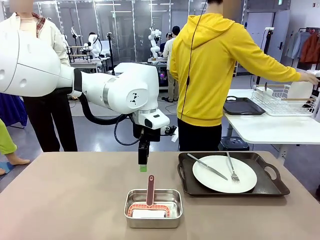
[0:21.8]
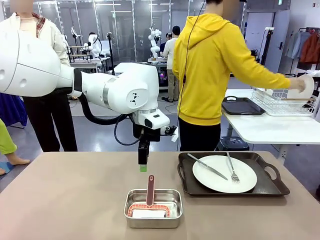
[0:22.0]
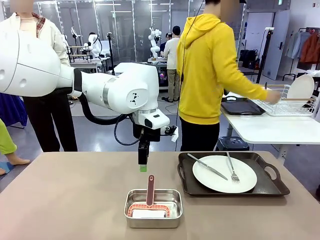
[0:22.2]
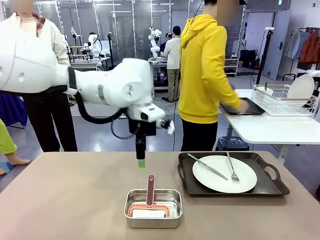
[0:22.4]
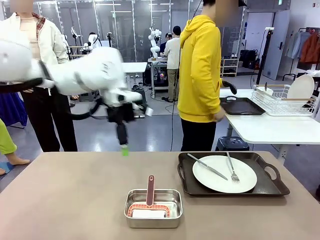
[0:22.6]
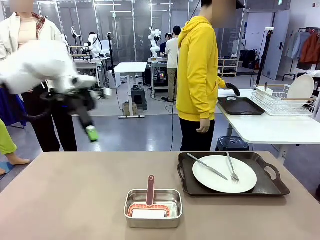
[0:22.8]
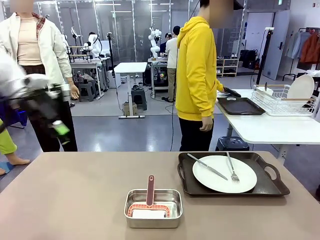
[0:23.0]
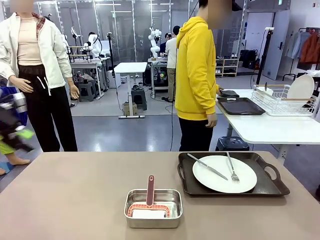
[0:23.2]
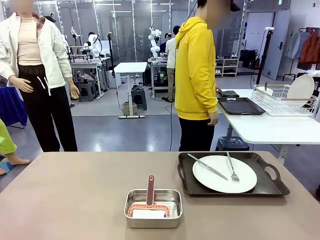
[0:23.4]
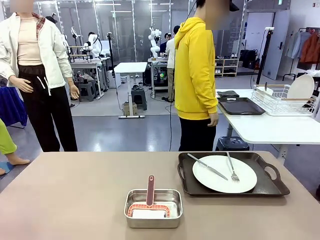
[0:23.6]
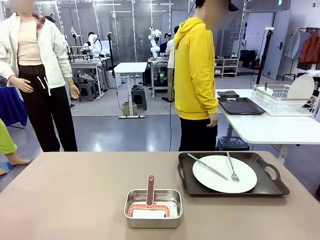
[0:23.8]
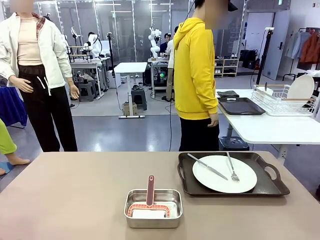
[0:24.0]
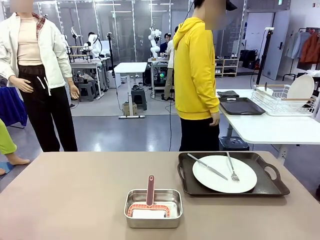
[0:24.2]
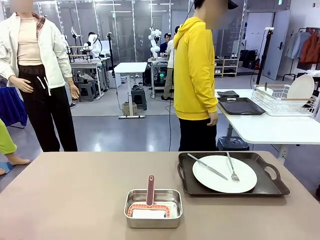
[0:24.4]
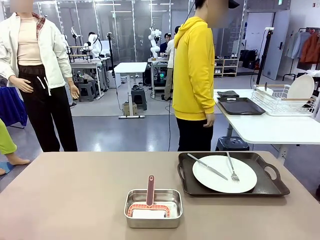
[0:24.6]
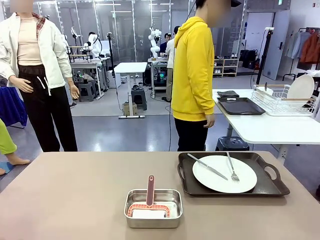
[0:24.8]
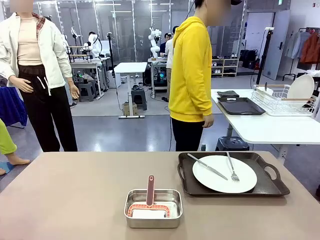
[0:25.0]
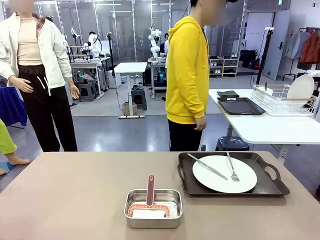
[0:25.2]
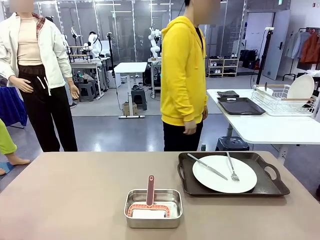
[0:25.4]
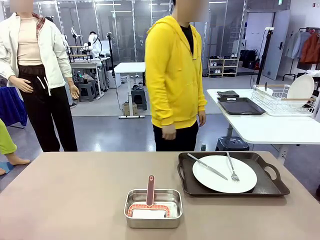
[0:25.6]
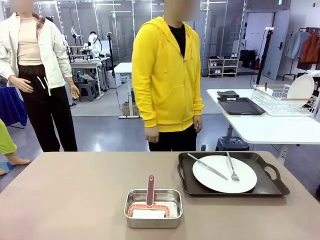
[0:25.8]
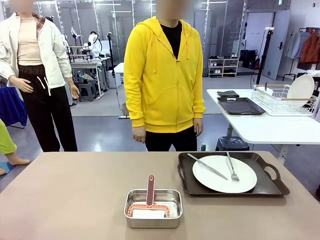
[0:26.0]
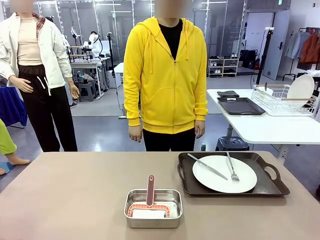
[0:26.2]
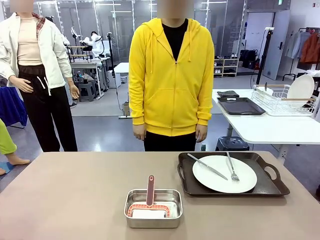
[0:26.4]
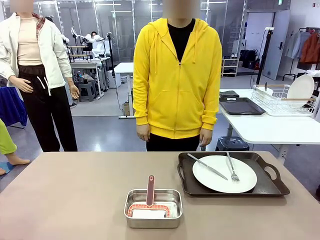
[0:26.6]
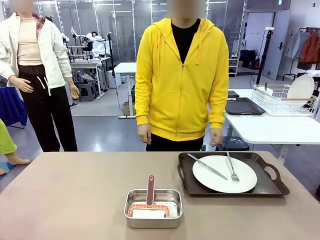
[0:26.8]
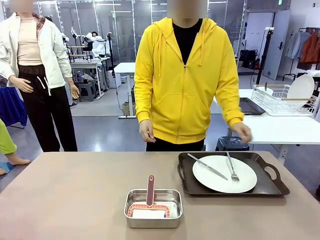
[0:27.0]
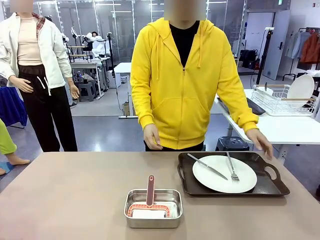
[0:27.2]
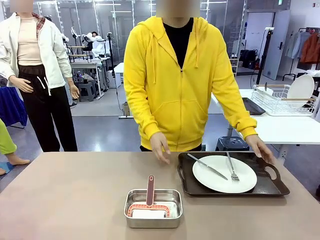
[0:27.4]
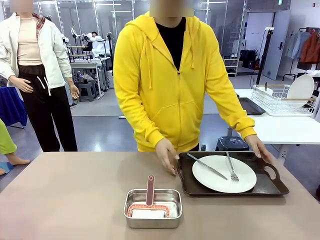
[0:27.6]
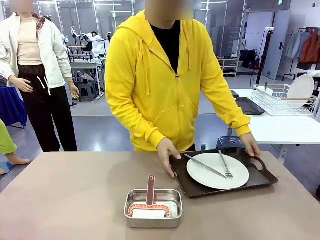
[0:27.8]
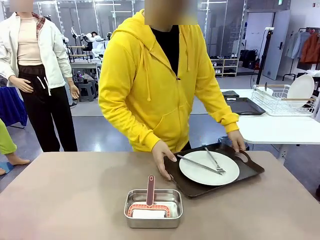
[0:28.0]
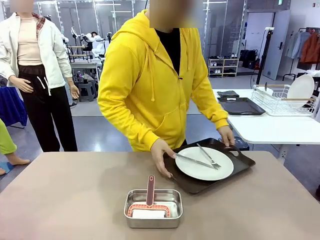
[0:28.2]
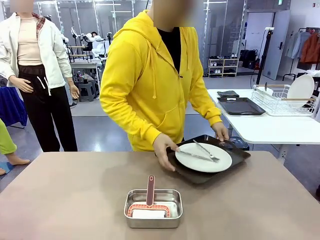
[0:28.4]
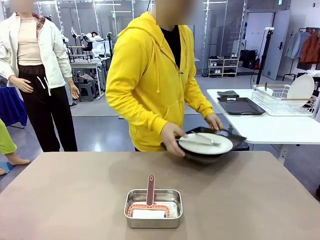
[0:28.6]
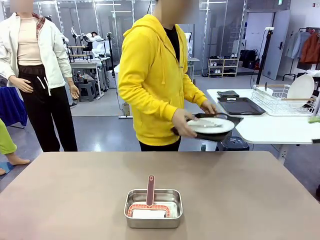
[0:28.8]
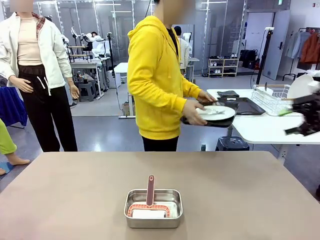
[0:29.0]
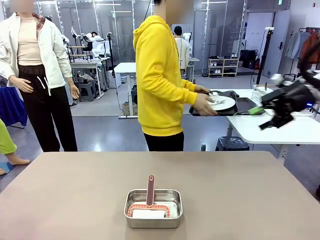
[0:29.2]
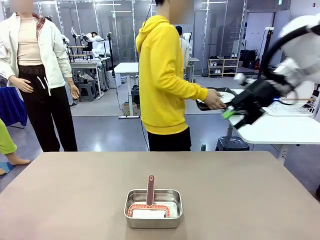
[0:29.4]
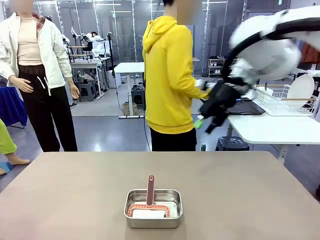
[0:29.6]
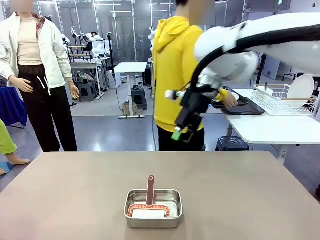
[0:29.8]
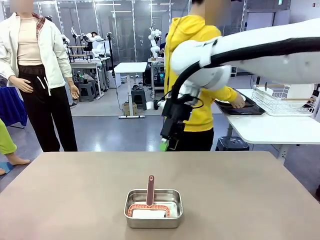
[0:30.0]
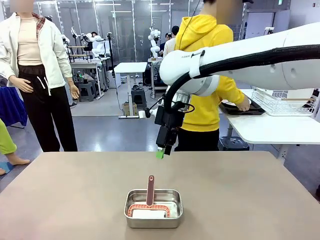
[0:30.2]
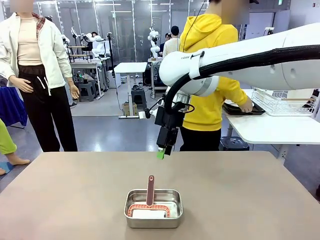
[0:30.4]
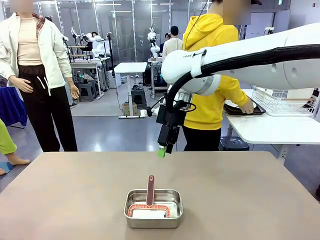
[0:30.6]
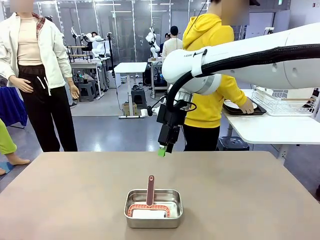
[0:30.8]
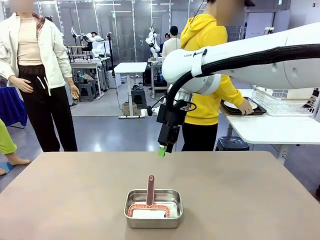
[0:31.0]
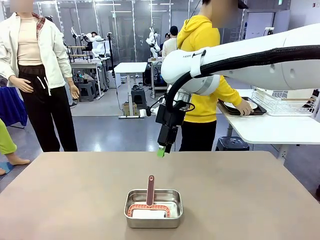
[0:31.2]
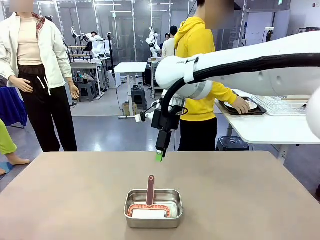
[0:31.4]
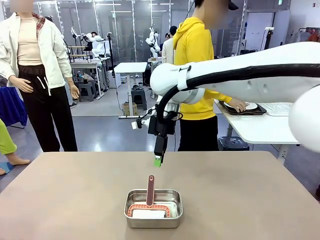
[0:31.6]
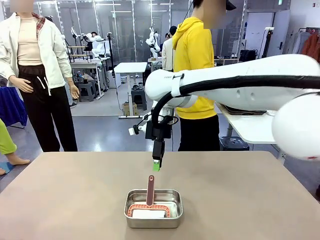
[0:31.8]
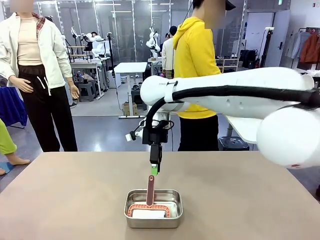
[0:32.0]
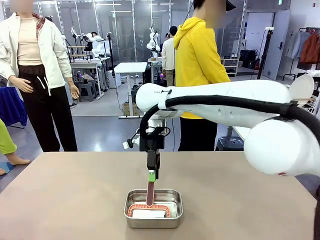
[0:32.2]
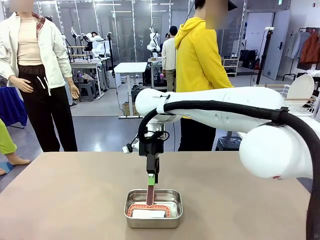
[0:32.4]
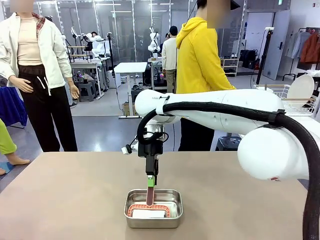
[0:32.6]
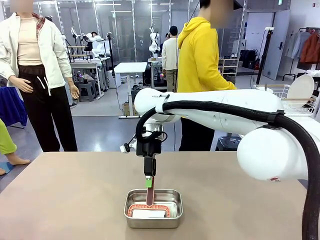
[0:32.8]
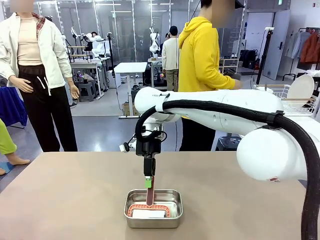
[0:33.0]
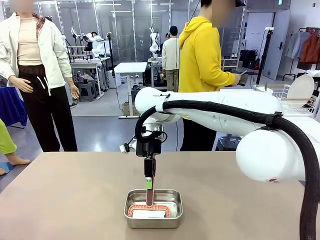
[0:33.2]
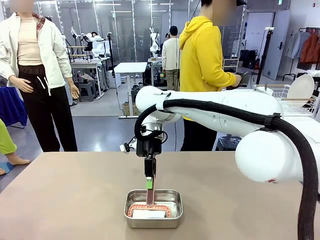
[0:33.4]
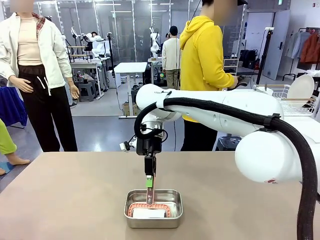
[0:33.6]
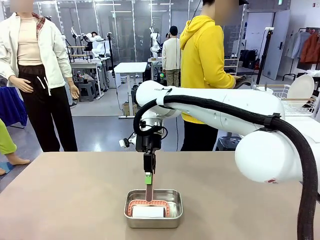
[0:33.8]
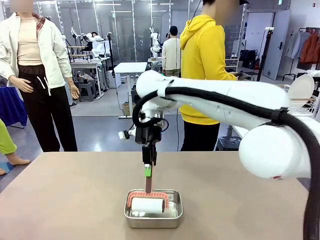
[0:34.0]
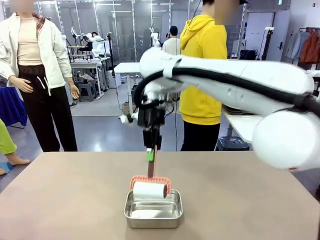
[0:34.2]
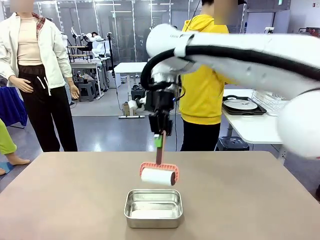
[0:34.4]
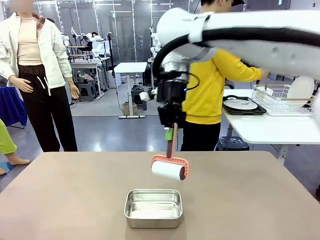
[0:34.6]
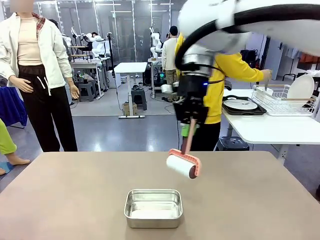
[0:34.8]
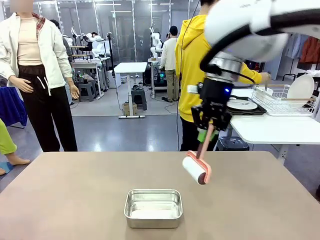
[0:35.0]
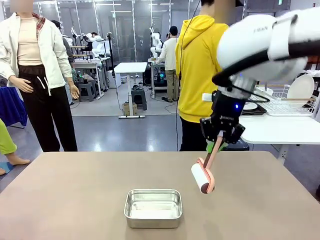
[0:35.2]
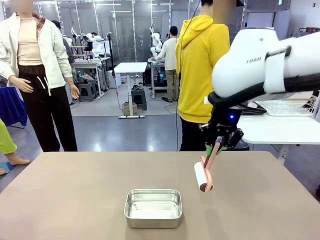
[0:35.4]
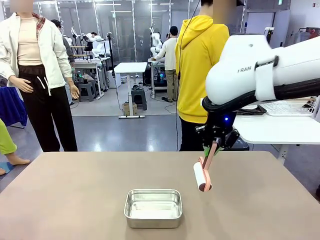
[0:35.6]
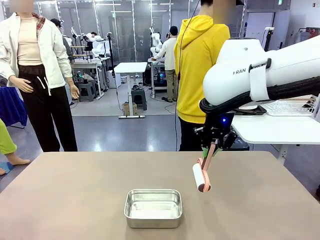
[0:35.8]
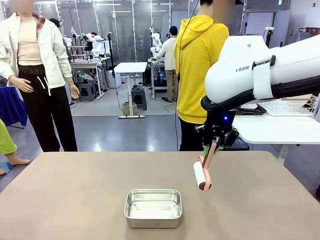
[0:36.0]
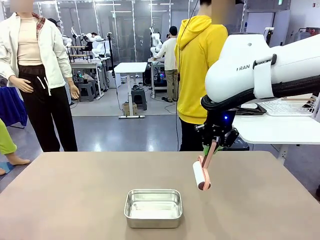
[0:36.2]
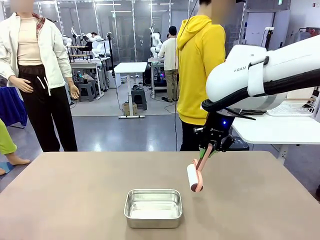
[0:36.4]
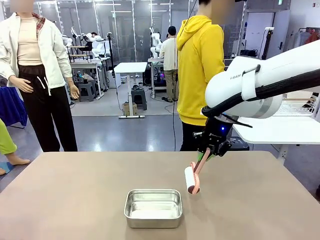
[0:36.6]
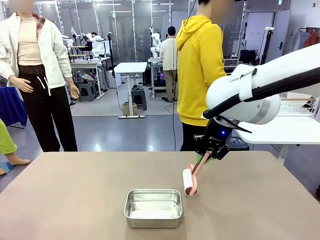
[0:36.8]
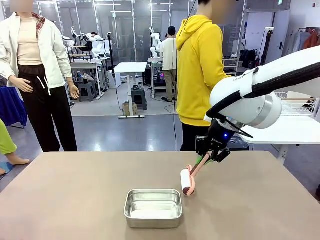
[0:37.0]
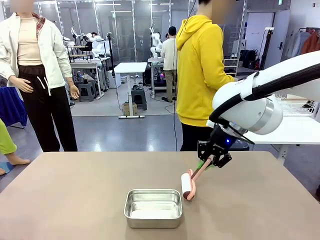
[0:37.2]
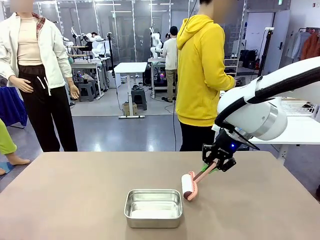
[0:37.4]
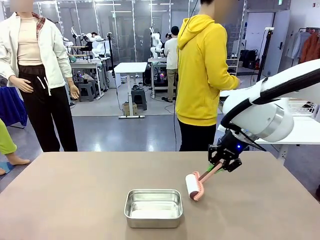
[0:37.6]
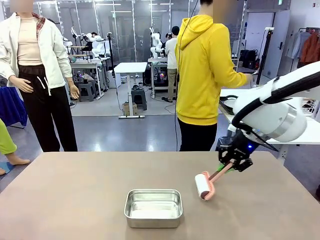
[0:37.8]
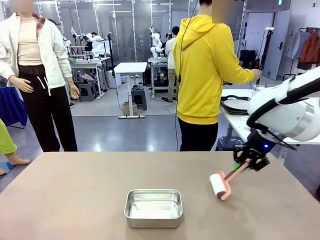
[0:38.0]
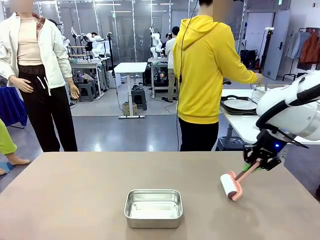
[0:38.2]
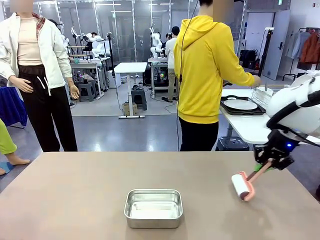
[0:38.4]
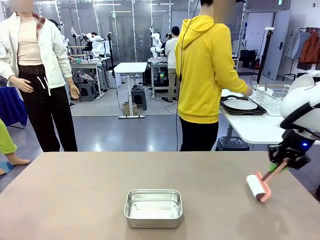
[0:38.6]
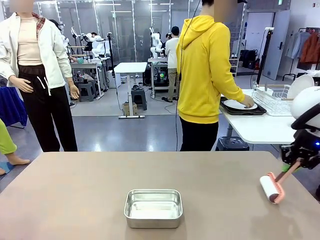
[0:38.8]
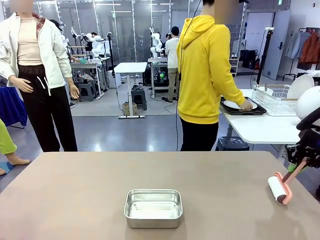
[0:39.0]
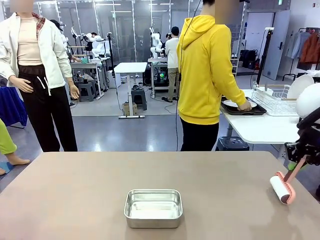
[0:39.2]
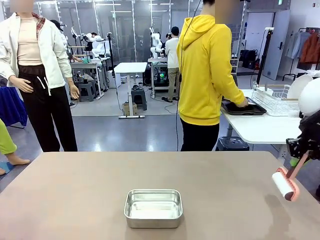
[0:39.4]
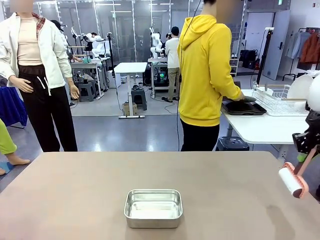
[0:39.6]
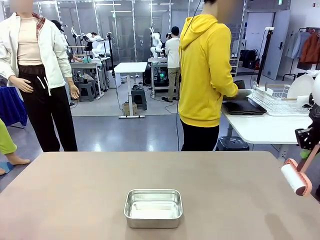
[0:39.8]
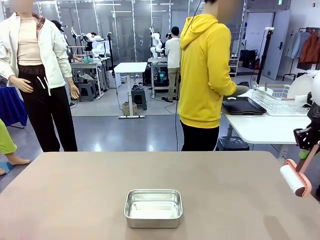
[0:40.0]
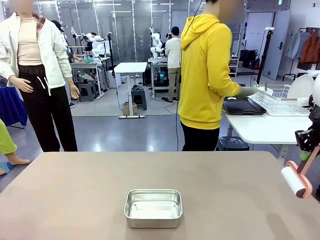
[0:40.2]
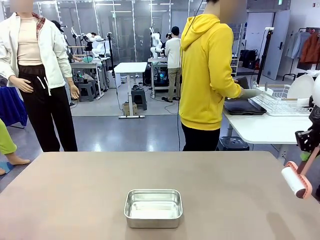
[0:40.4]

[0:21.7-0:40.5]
Robot: When the right (or left) Handle tray is removed, use the right hand (or left hand) to clean the right (or left) side of the table with the Lint Roller.
Person: Pick up the left (or right) Handle tray and place it on the Handle tray.
